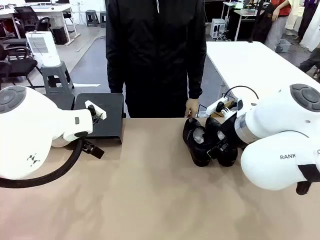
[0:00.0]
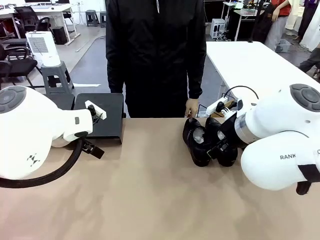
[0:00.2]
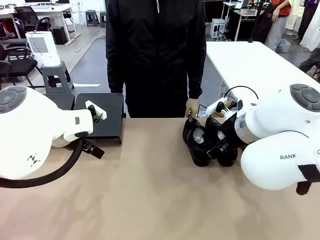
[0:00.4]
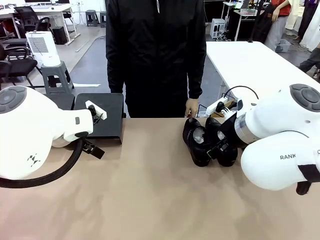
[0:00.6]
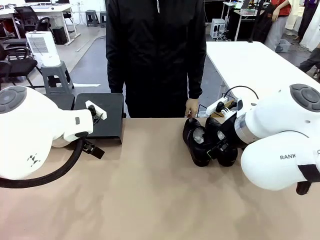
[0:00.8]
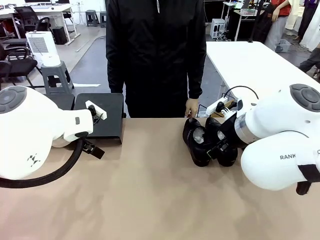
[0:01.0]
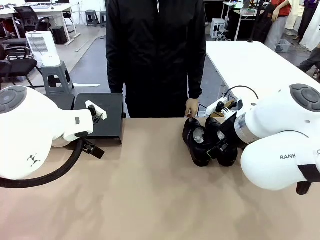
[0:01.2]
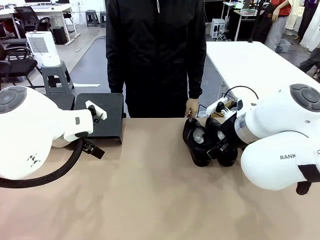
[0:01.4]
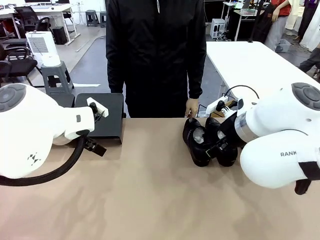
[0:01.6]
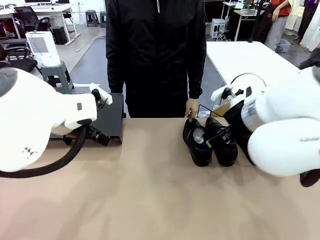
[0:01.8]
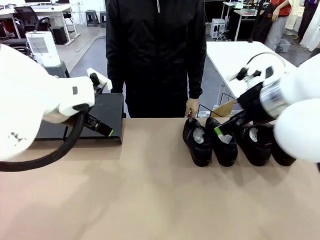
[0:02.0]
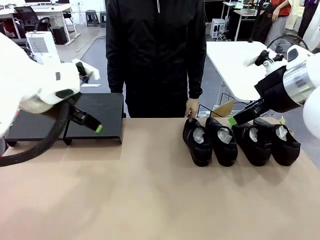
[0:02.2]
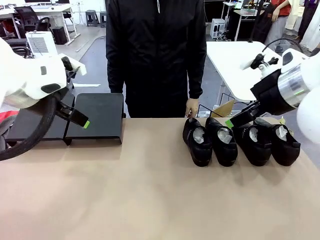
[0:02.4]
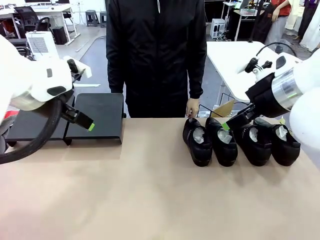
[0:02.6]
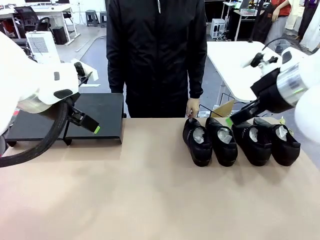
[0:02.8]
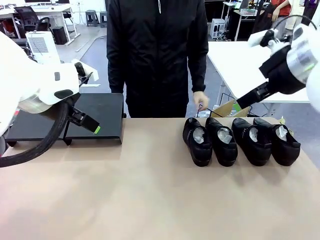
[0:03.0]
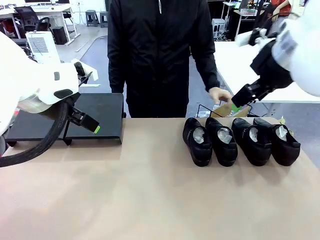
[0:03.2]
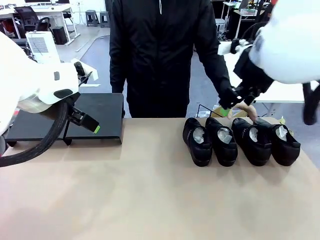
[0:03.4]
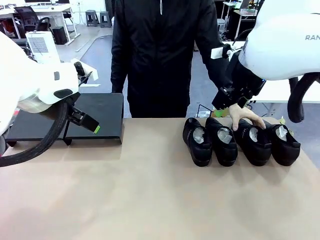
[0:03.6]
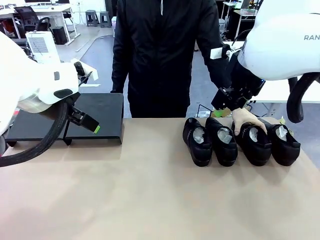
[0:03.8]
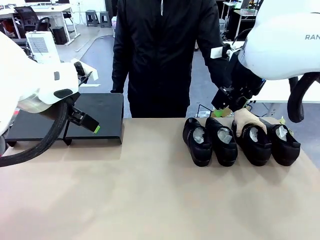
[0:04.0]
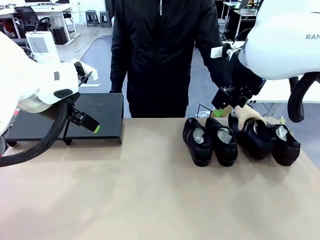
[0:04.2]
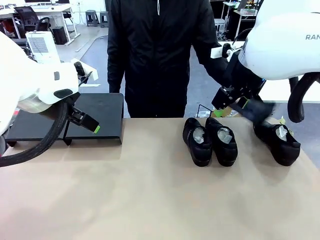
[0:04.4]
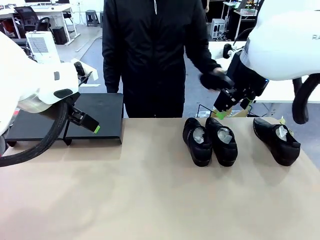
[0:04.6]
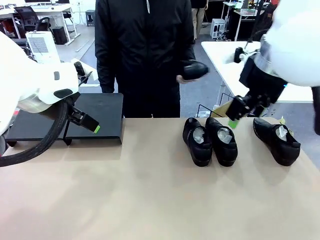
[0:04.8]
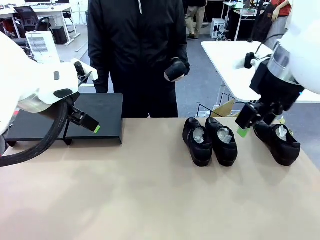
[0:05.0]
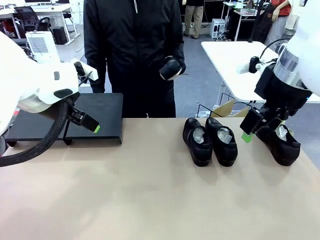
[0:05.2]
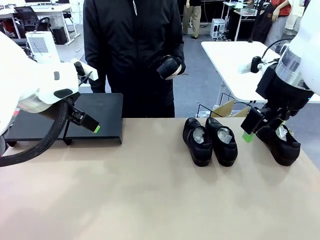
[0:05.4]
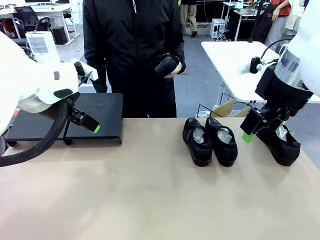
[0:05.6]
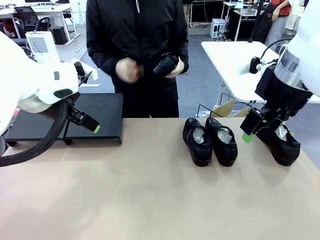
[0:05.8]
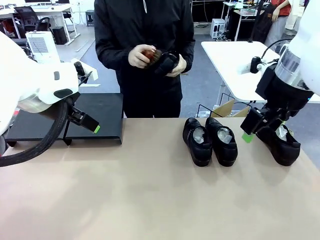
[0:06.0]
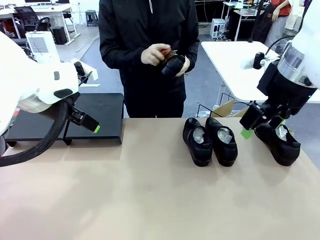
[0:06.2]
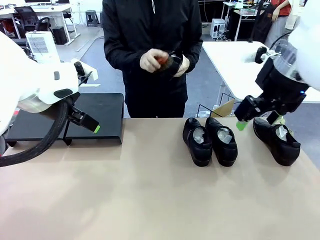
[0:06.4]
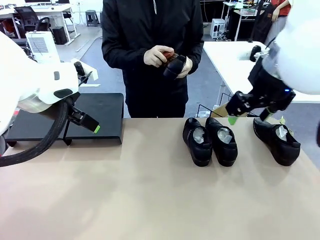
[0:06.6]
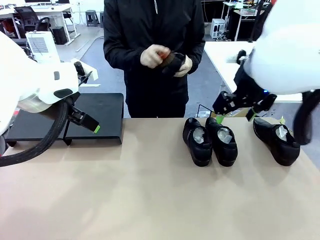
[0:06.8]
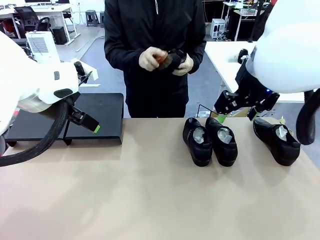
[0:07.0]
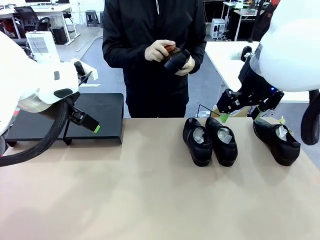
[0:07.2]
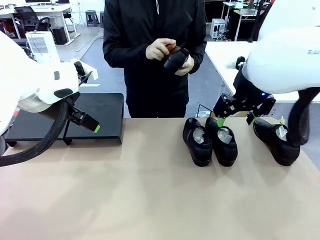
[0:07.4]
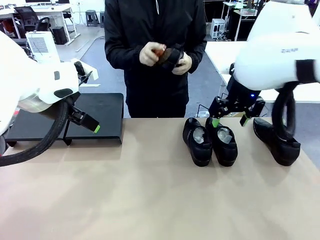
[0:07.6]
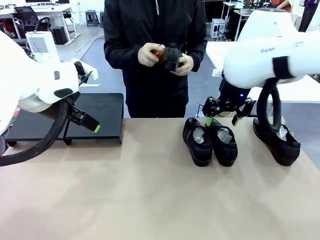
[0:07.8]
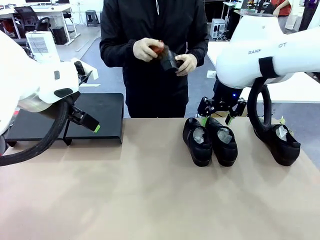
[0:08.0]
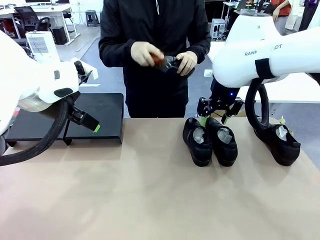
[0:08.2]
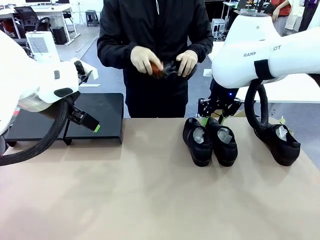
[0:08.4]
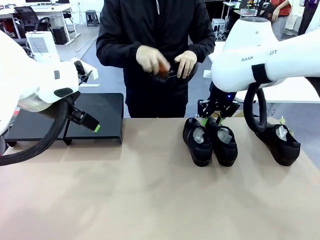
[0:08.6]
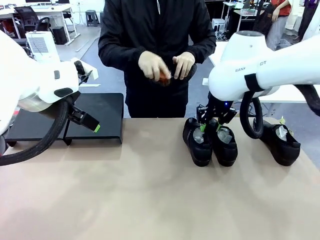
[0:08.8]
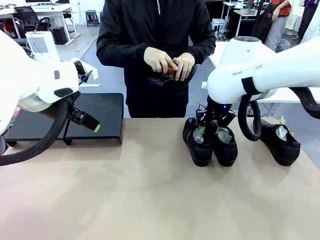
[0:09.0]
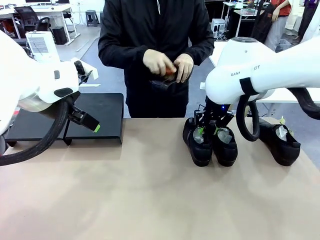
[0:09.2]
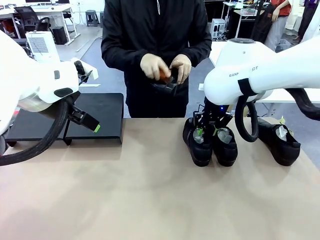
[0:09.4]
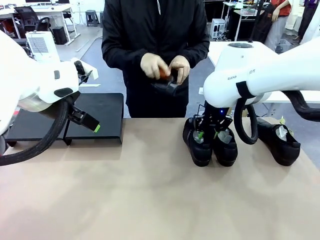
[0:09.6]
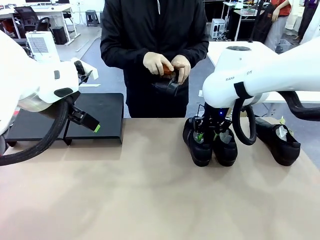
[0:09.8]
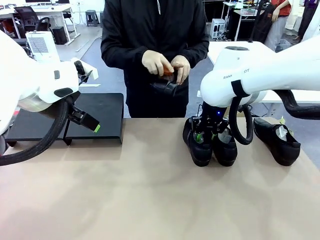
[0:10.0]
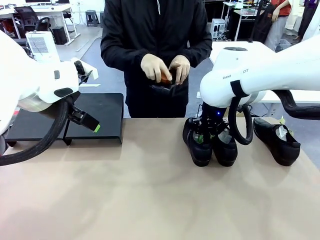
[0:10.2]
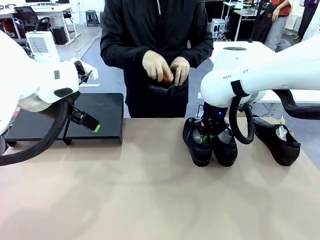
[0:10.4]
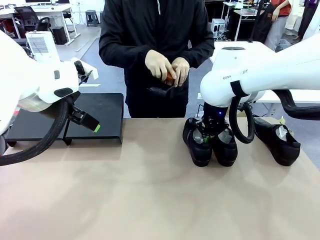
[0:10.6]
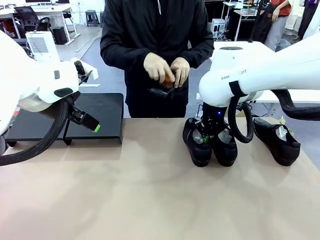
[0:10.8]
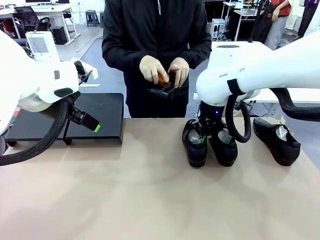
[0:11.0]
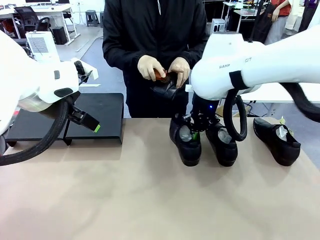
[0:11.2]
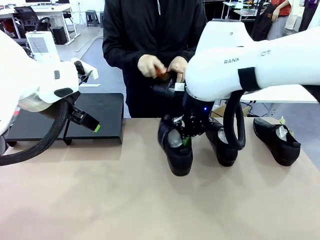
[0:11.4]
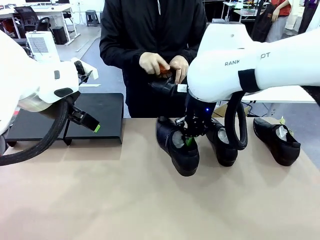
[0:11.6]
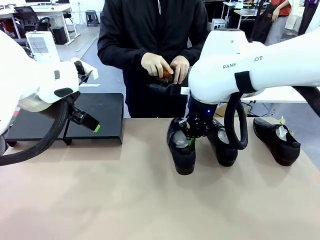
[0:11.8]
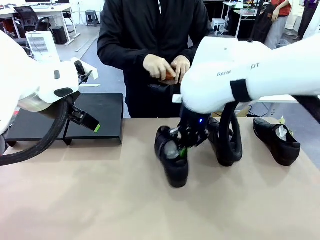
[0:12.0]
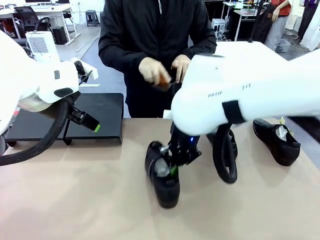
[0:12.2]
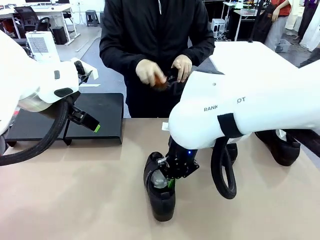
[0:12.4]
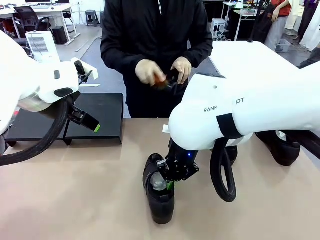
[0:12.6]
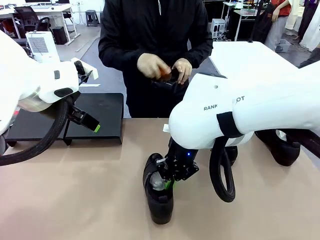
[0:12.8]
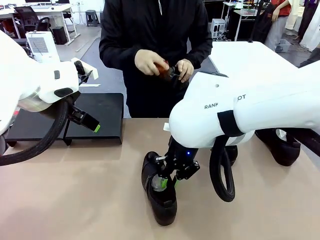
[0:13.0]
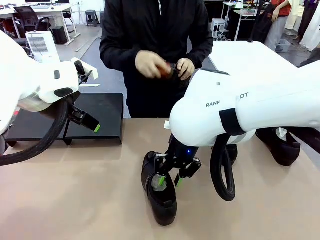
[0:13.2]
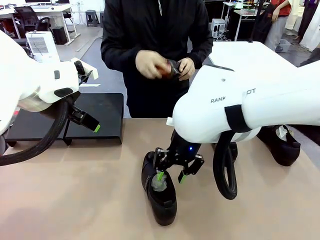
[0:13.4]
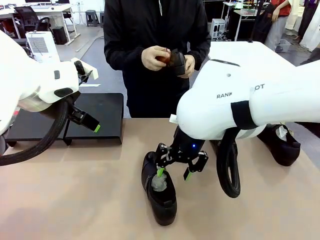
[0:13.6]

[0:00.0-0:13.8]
Task: Organize the shoes by placing them on the stand.
Robot: Pick up one Shoe and place it in the middle of the table.
Person: Pick one Shoe on Robot's table.

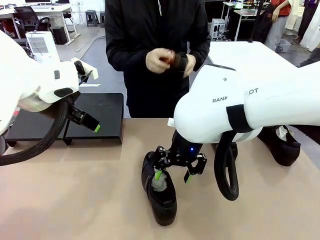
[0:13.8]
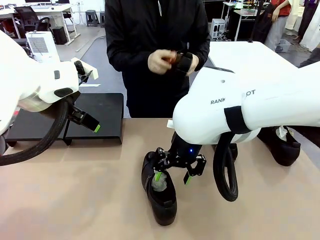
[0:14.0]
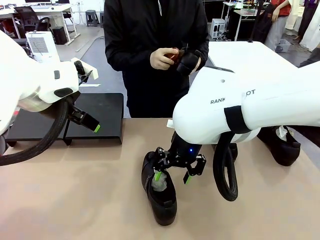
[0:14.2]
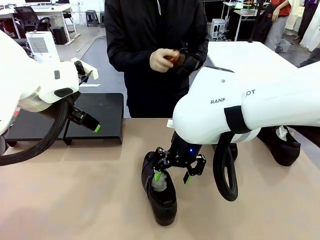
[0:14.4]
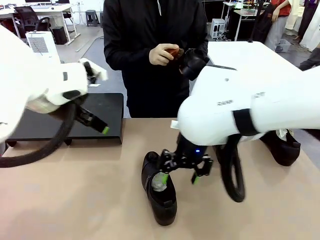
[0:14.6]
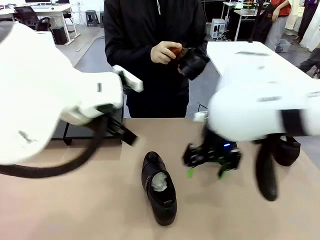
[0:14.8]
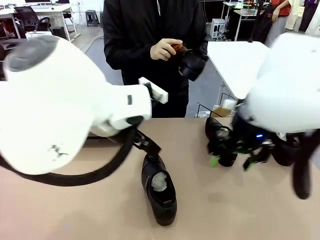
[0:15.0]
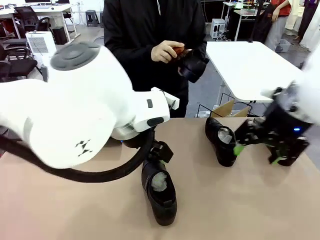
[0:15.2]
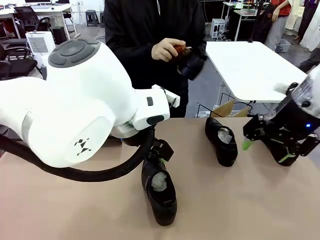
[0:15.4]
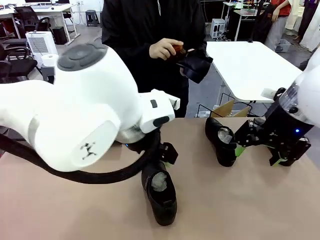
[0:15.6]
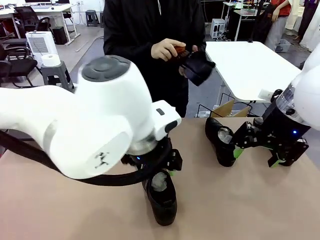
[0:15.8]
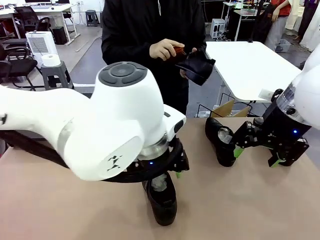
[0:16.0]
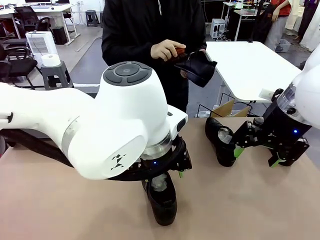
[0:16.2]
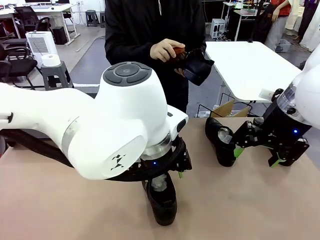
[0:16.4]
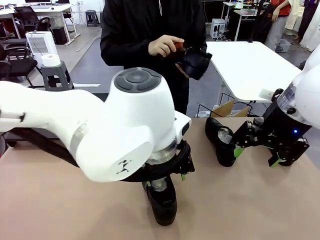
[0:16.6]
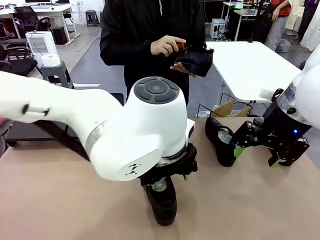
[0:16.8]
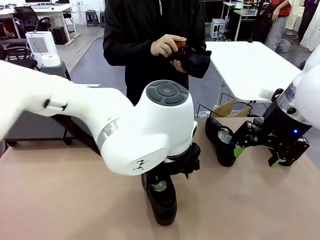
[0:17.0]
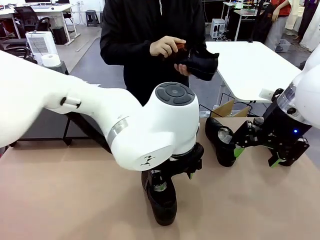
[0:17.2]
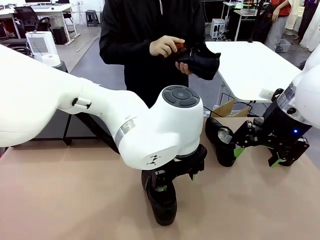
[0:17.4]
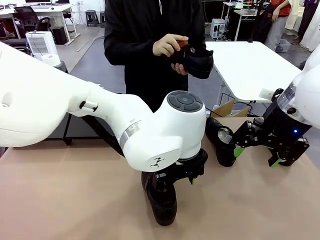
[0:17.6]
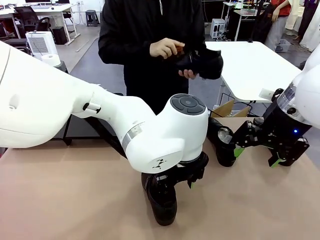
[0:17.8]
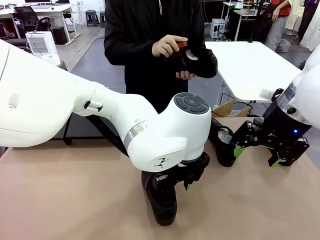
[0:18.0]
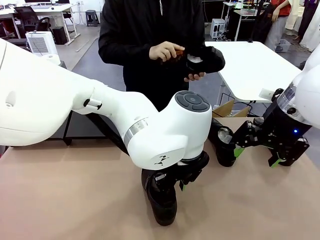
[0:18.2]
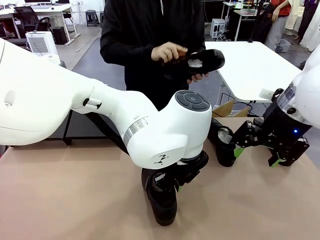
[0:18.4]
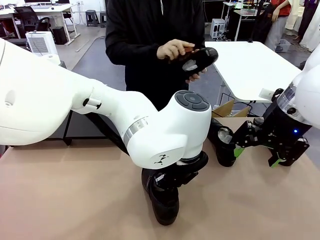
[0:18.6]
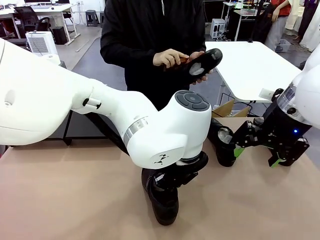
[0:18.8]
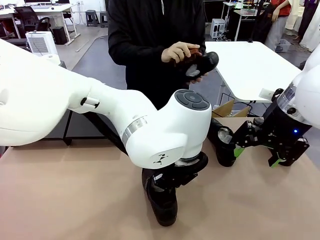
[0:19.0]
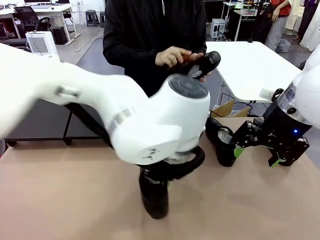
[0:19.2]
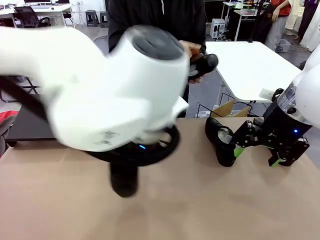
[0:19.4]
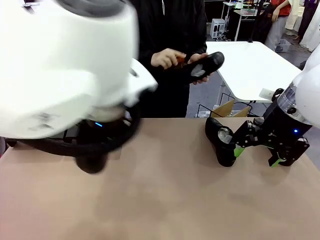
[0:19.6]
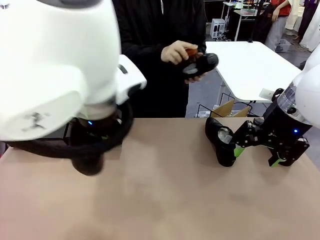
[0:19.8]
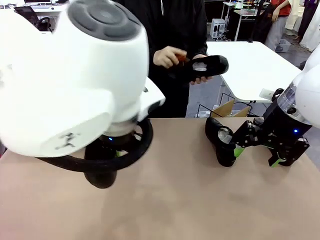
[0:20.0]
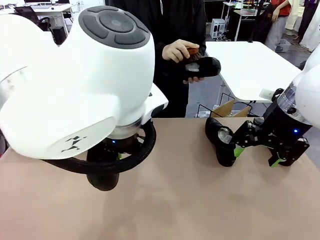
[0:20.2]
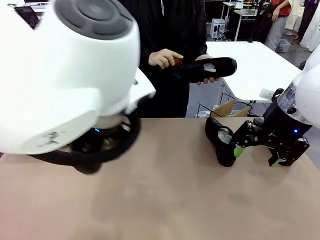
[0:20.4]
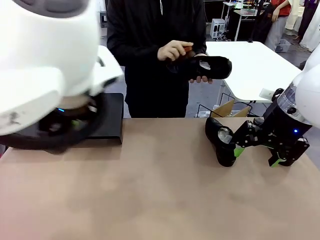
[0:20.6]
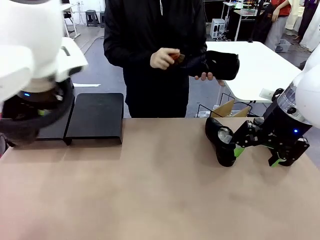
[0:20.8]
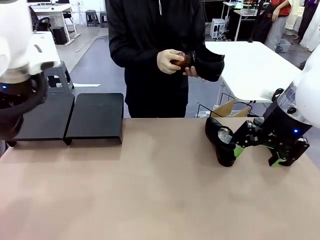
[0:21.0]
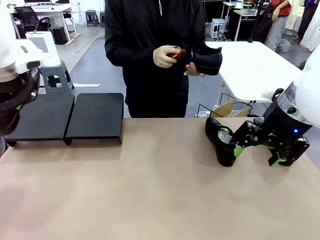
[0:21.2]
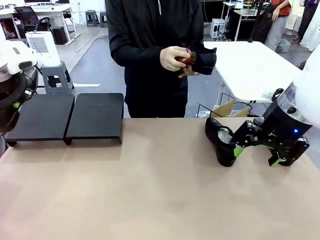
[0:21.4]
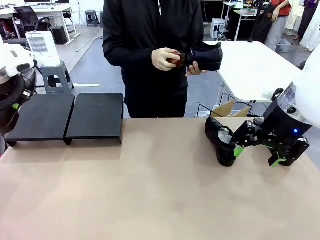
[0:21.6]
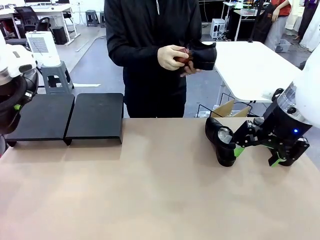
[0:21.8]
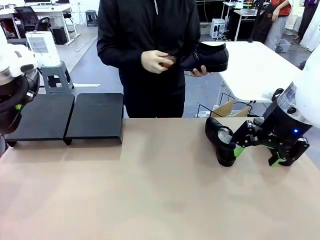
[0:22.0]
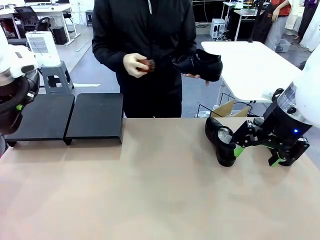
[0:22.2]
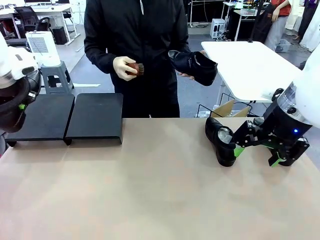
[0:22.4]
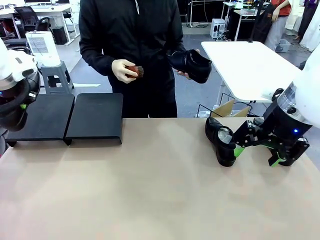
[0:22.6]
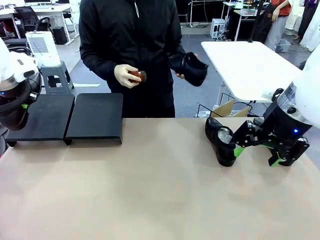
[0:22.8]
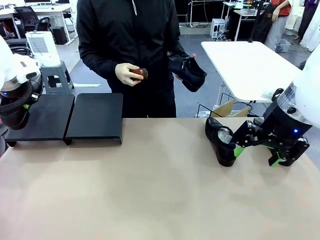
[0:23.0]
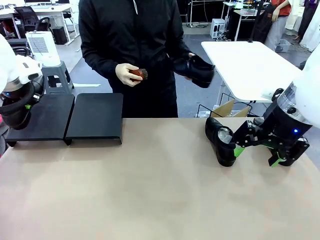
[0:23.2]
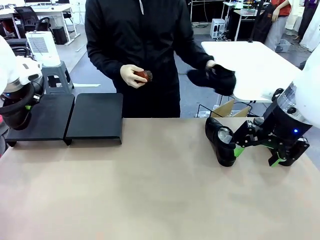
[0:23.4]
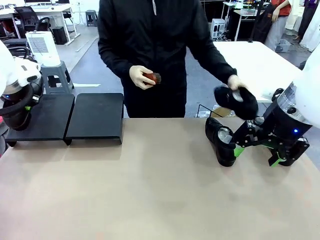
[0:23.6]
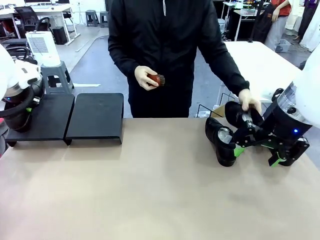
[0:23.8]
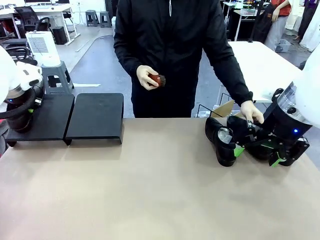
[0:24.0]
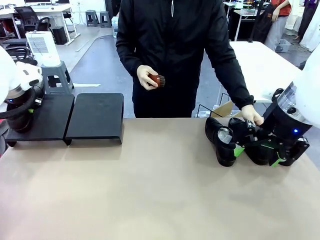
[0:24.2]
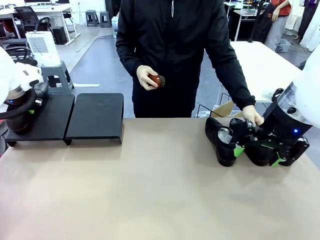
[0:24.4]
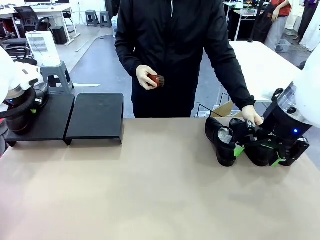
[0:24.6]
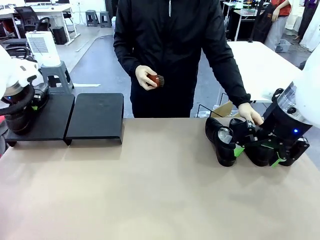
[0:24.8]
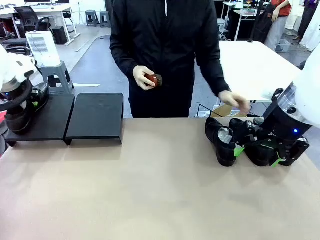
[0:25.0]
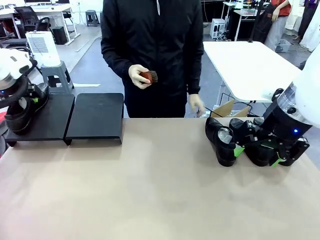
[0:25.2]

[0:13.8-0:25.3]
Robot: Place the Shoe from the middle of the table onto the Shoes Stand.
Person: Clean the Shoe with the Shoe Brush. Place the Shoe on left side of the Robot's table.
